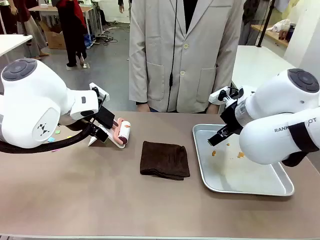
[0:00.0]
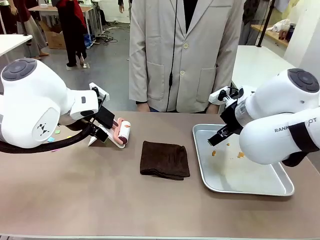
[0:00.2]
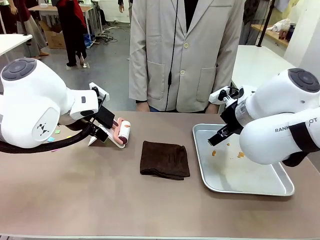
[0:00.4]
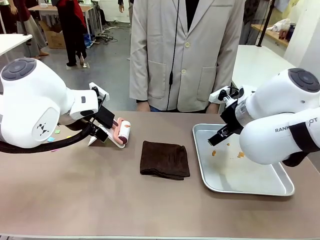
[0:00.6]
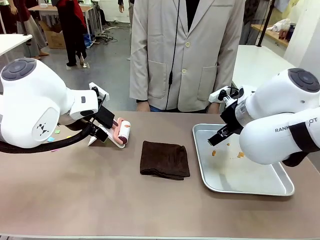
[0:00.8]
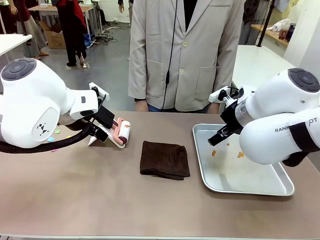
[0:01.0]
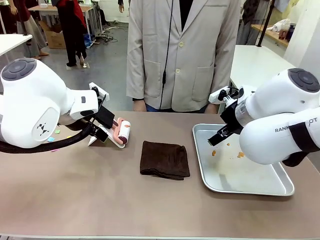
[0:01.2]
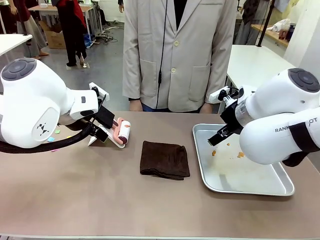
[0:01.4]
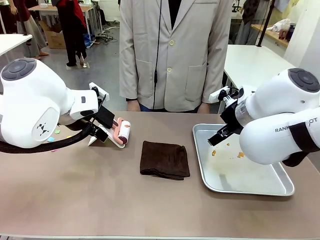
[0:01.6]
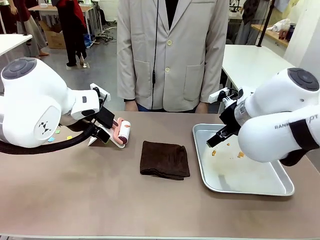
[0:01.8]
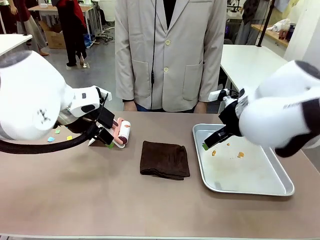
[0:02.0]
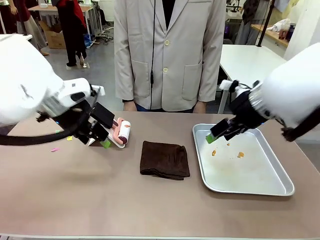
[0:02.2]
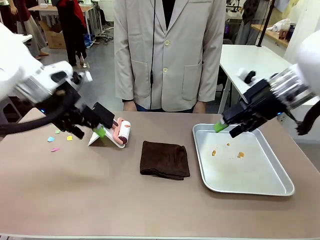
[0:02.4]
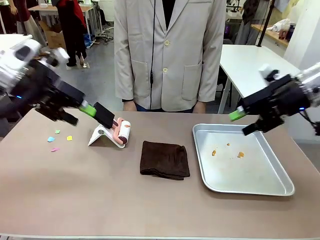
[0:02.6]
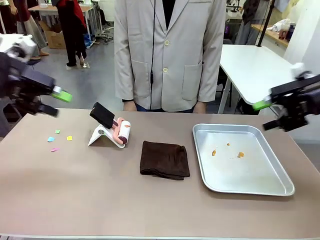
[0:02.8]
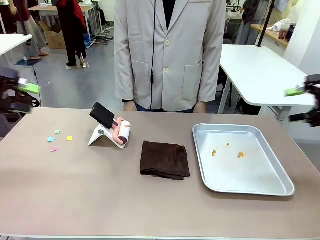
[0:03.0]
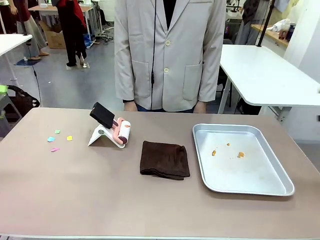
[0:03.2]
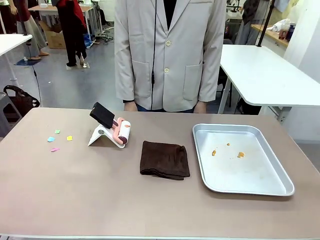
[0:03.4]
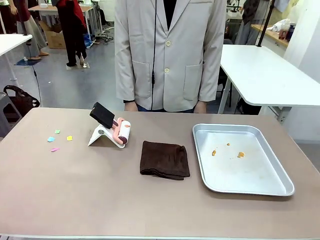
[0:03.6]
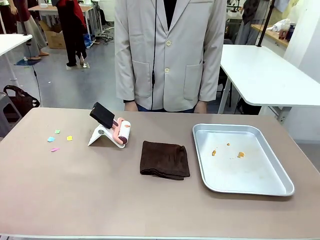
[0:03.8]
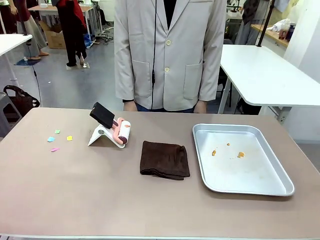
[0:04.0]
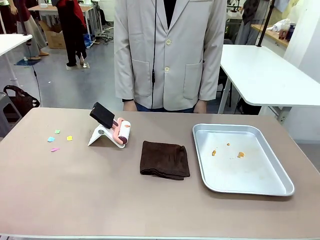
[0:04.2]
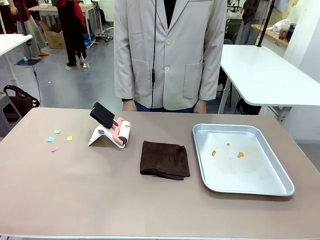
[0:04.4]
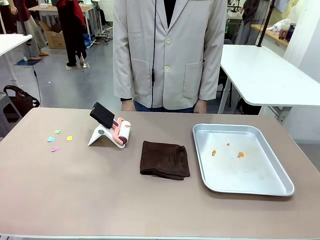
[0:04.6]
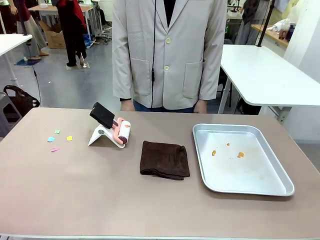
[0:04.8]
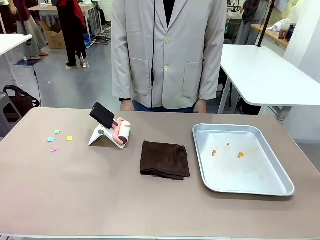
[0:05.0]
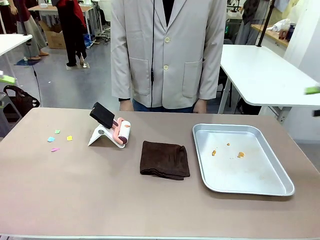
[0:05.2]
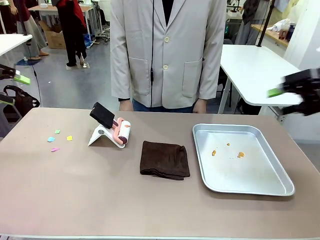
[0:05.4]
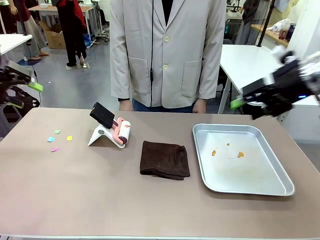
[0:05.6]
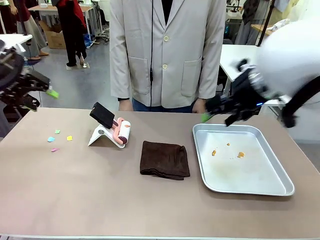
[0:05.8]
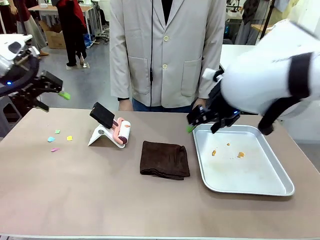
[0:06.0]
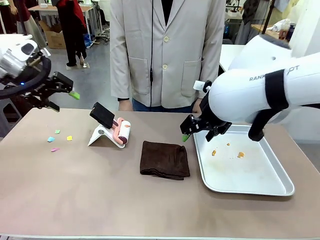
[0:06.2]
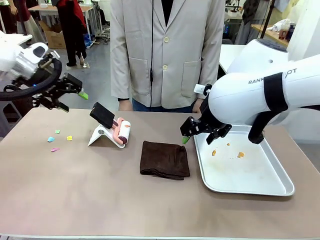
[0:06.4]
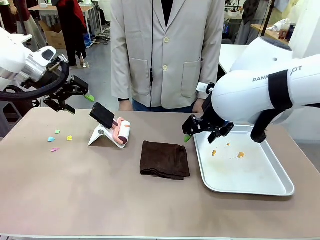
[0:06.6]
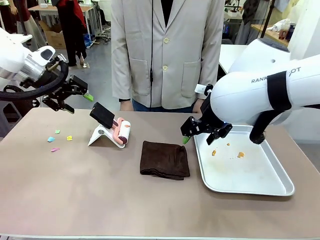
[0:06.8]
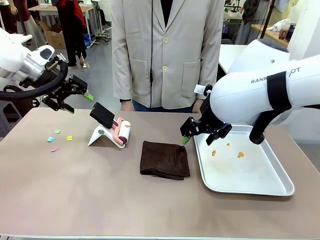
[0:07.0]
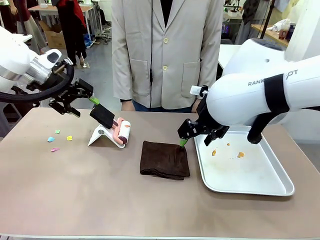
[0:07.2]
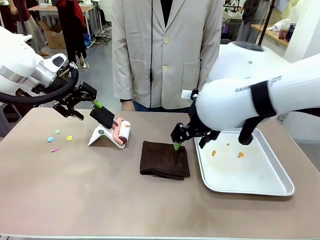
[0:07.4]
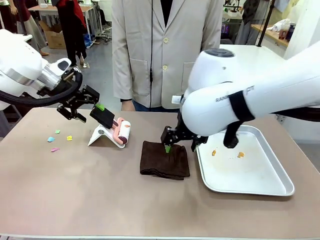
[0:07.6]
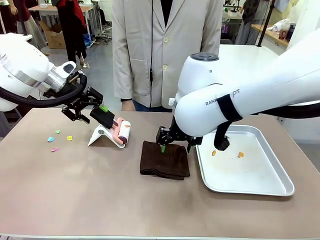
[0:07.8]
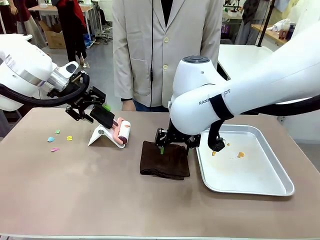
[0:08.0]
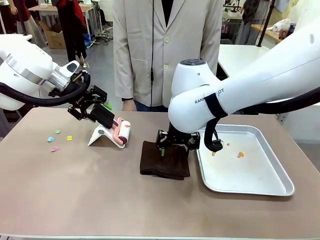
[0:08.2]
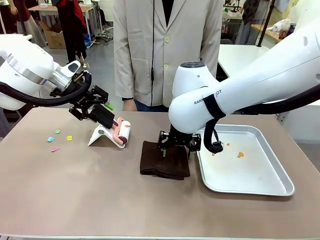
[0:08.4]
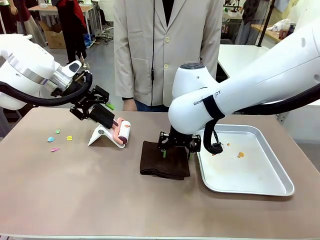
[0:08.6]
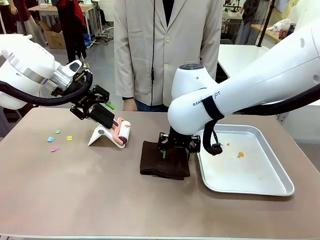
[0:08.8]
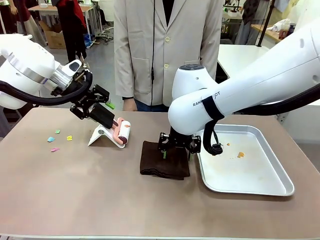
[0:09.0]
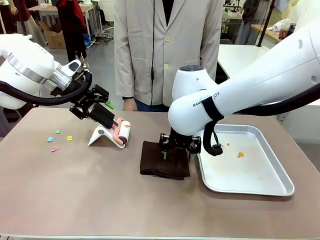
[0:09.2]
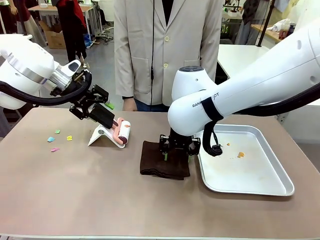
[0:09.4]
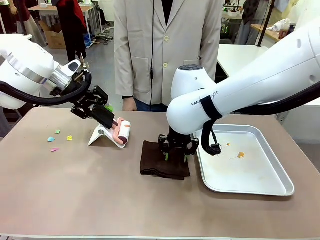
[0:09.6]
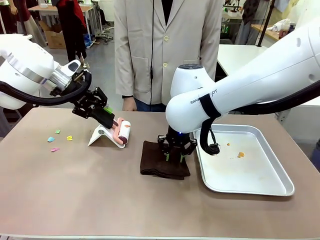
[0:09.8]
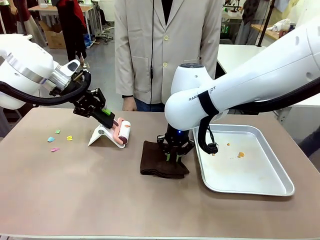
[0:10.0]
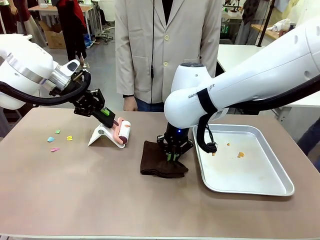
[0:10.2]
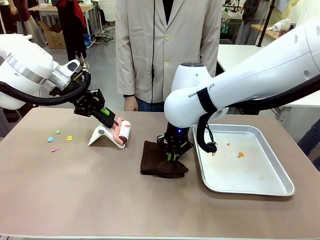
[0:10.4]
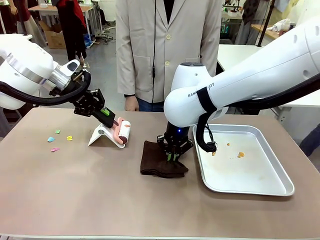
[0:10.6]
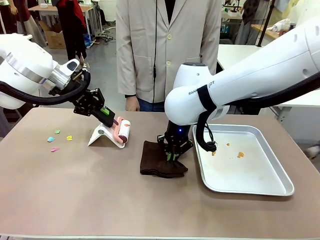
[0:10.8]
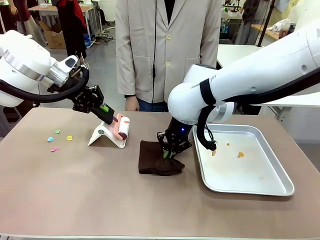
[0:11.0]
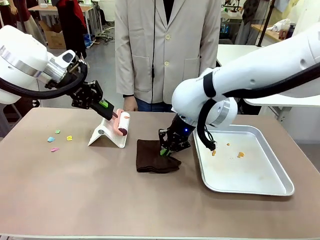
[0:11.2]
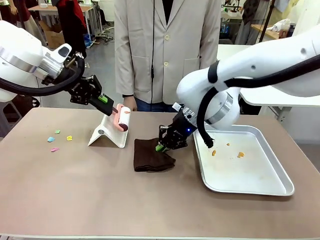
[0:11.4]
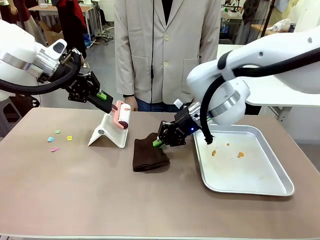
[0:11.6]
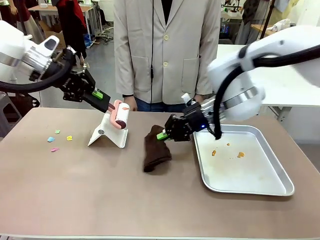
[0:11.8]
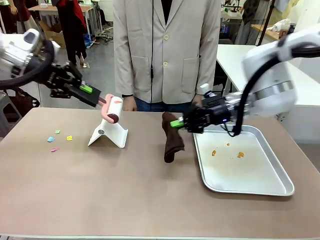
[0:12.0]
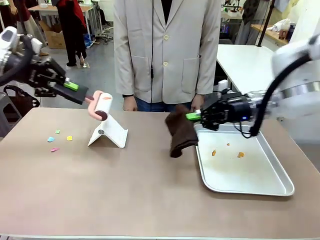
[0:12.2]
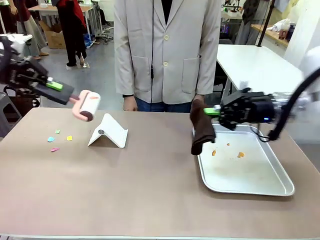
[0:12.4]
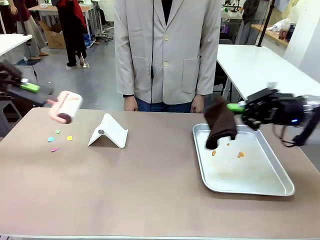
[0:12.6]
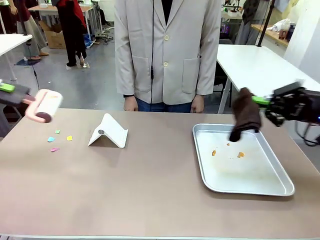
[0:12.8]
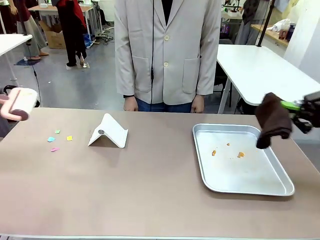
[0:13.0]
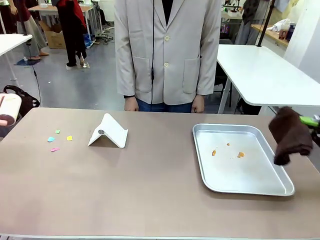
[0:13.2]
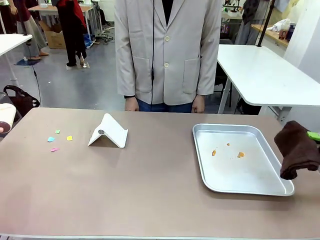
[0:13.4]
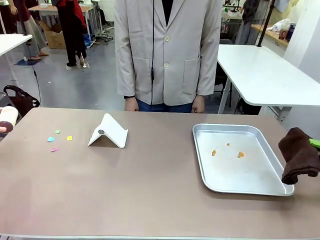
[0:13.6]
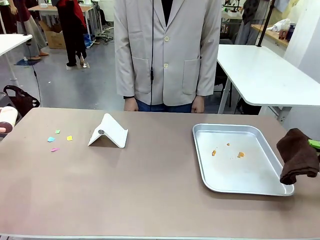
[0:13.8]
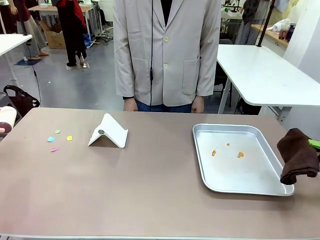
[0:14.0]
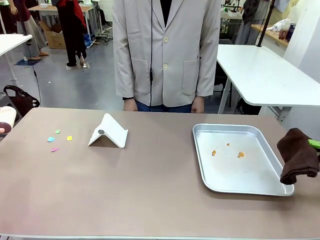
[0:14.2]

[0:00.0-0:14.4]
Task: Clean the surface of the table.
Robot: Hold the Lint Roller with your left hand and the towel with your right hand.

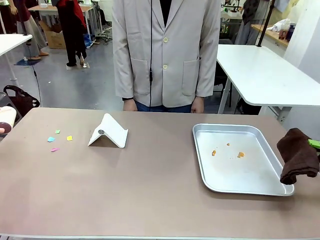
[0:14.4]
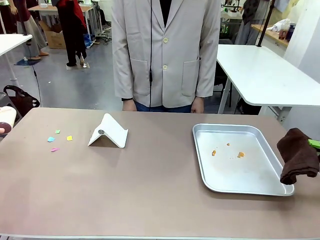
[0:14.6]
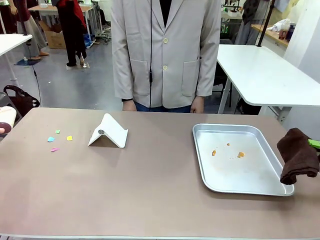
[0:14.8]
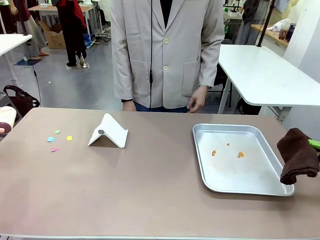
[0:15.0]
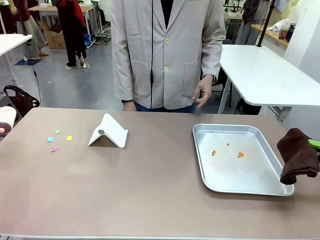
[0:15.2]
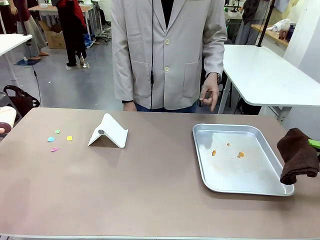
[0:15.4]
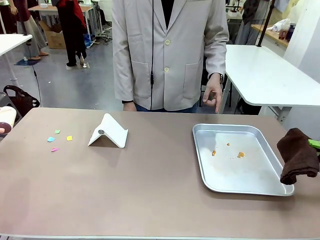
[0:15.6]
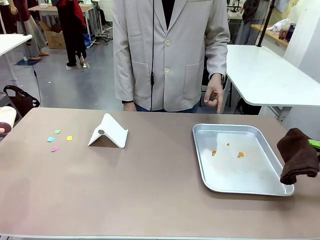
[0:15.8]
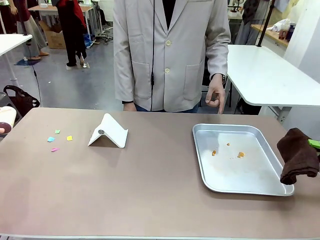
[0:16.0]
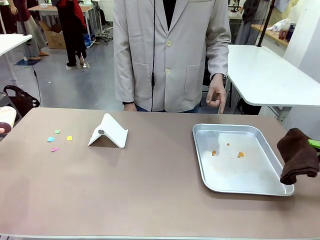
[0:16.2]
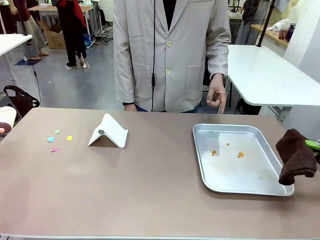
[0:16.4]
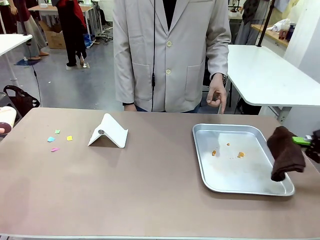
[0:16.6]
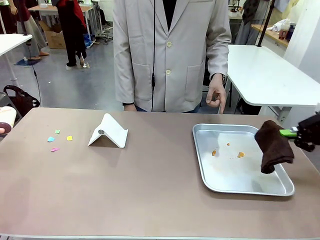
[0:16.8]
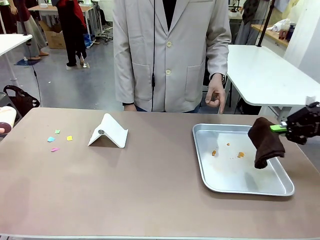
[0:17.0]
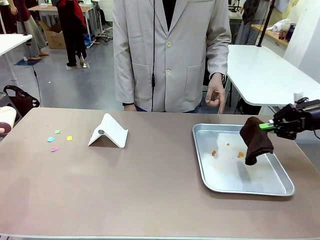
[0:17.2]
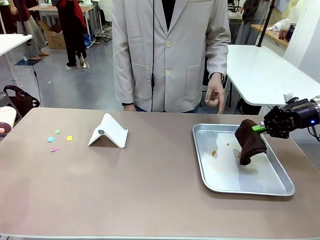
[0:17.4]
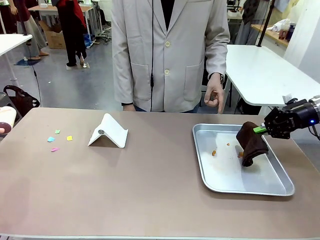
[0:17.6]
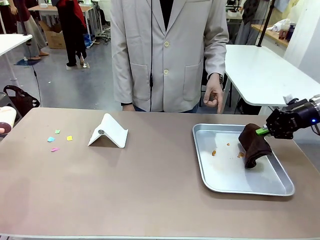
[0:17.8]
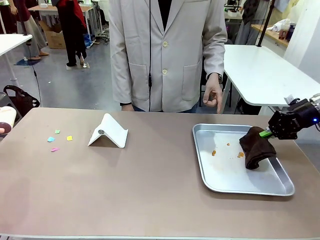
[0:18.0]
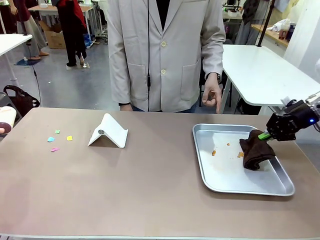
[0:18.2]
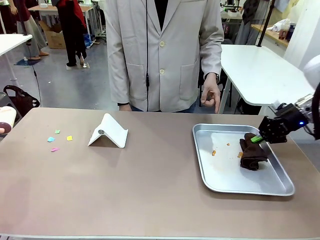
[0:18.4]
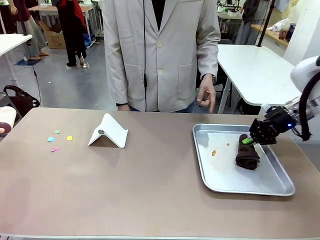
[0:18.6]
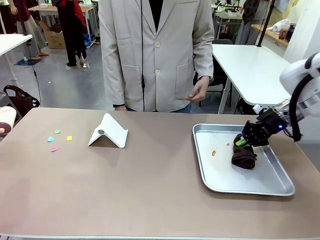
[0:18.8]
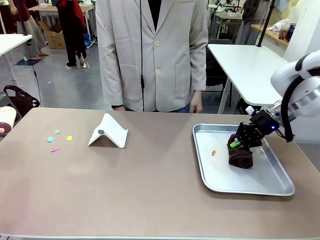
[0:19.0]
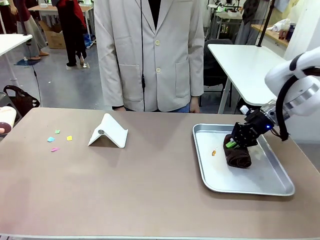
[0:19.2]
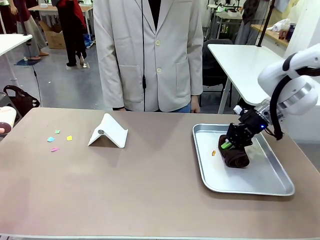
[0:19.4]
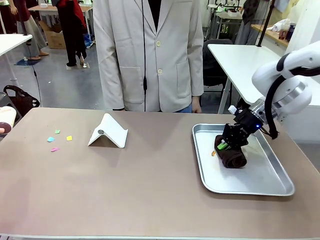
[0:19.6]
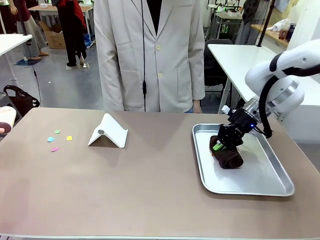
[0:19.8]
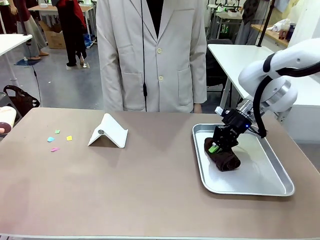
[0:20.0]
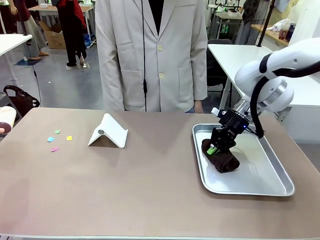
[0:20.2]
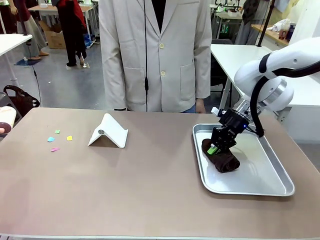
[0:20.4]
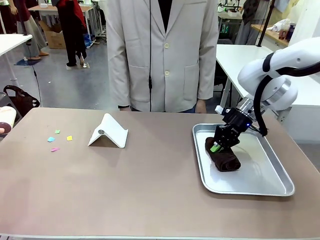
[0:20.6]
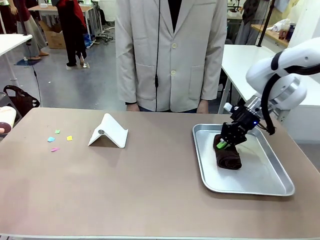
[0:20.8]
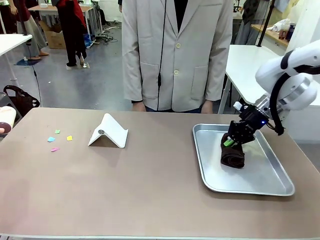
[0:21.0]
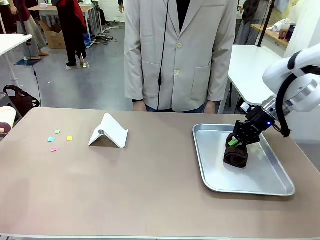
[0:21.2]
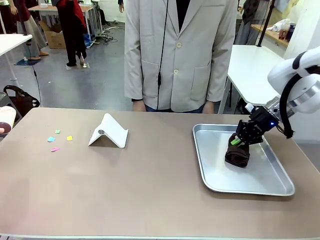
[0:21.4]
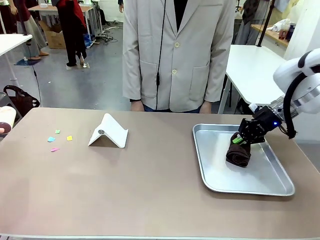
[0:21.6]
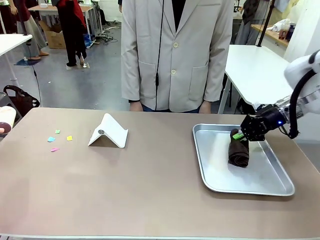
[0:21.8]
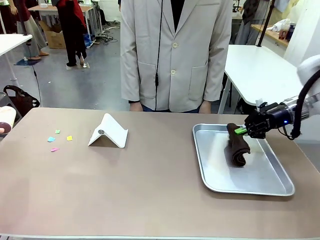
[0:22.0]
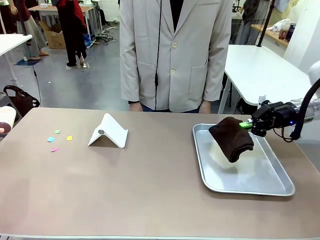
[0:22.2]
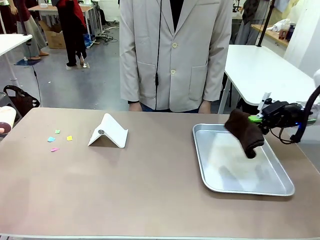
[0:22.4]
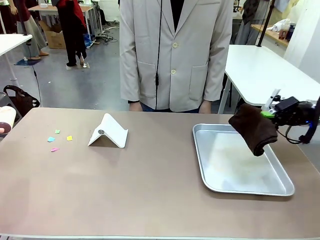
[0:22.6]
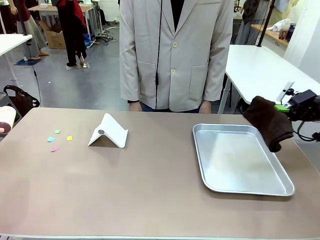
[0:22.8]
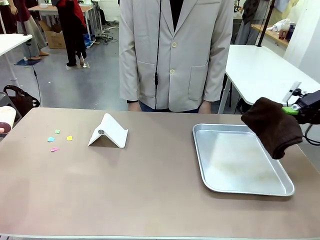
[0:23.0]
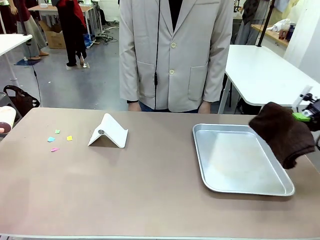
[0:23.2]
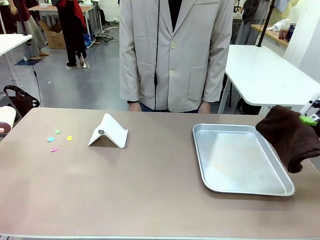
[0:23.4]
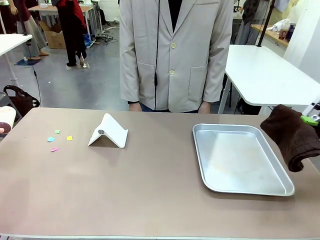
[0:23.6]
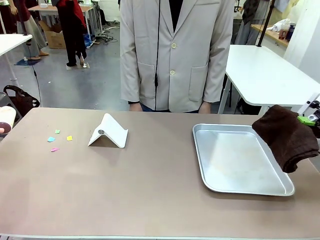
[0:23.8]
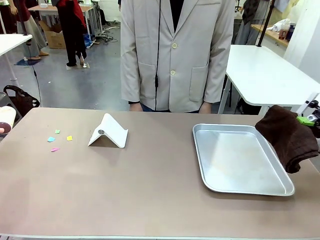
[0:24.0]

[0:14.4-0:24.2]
Robot: If a person points to the right, clean the right side of the table with your right hand, and if they point to the left, clean the left side with your left hand.
